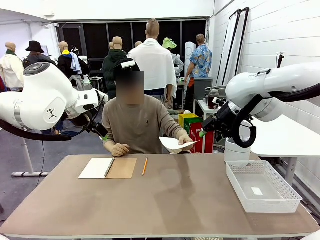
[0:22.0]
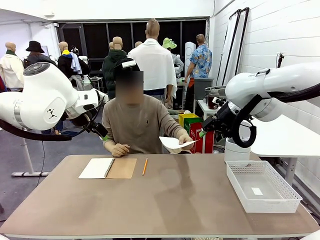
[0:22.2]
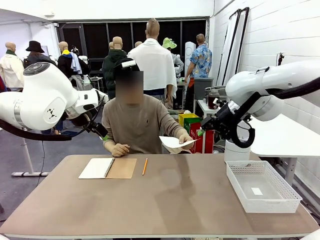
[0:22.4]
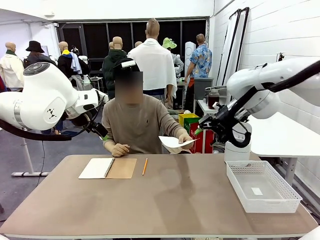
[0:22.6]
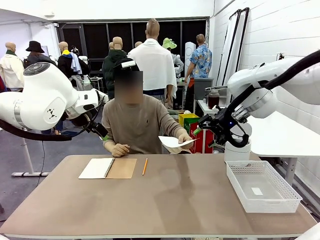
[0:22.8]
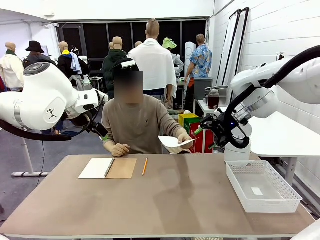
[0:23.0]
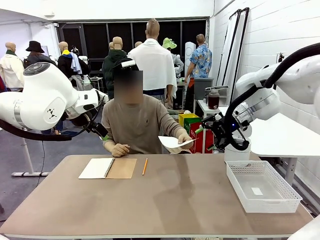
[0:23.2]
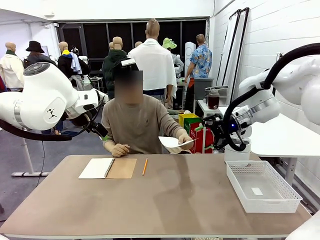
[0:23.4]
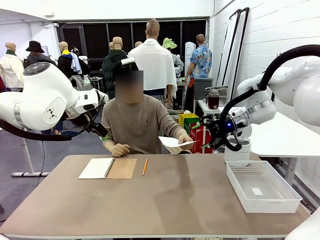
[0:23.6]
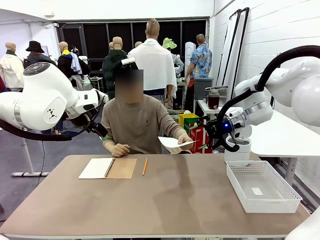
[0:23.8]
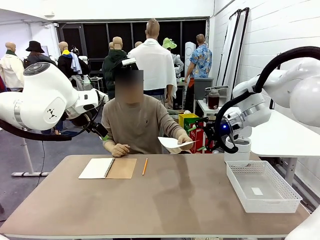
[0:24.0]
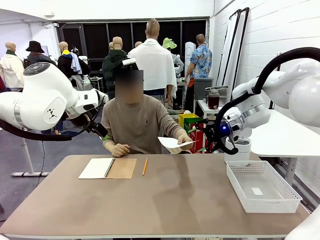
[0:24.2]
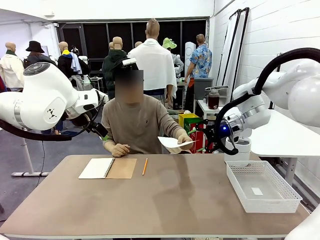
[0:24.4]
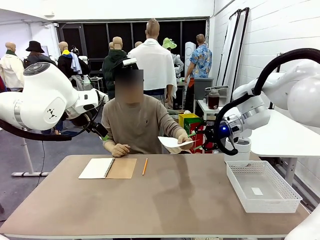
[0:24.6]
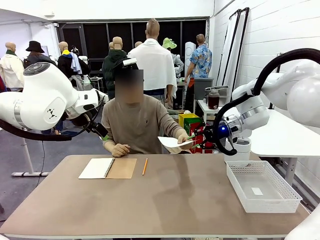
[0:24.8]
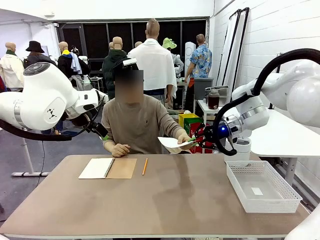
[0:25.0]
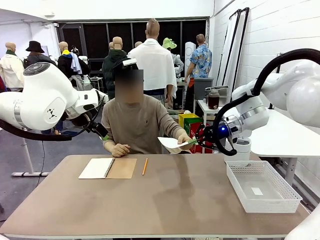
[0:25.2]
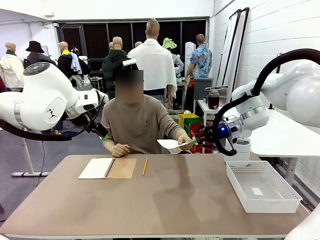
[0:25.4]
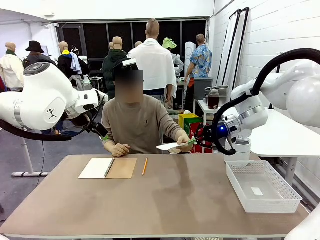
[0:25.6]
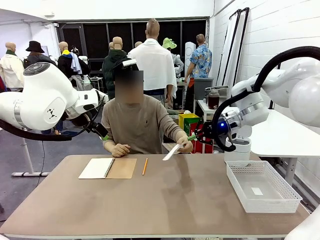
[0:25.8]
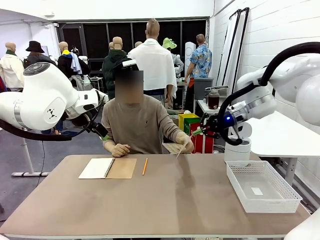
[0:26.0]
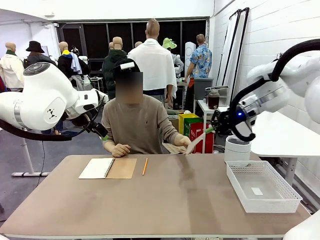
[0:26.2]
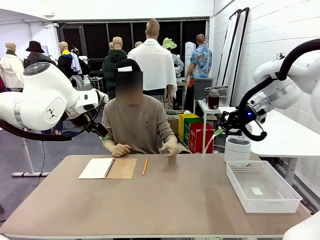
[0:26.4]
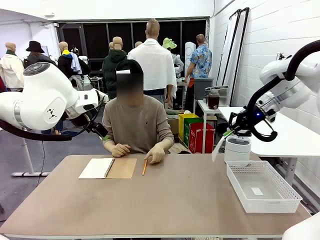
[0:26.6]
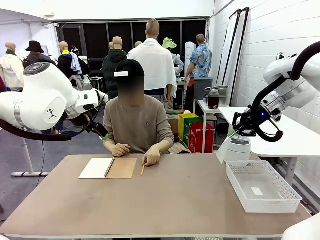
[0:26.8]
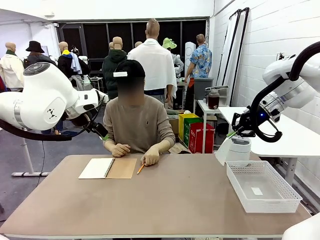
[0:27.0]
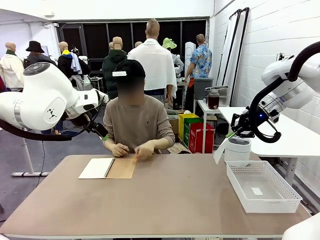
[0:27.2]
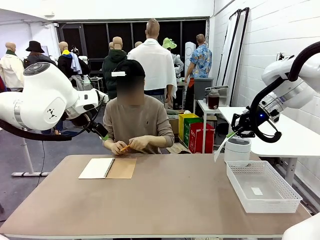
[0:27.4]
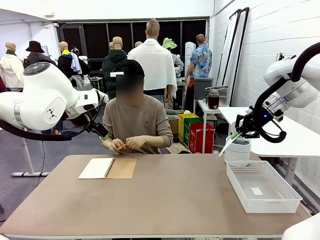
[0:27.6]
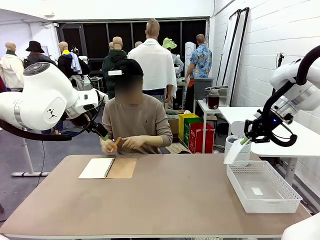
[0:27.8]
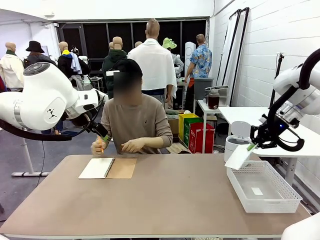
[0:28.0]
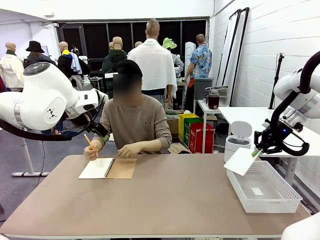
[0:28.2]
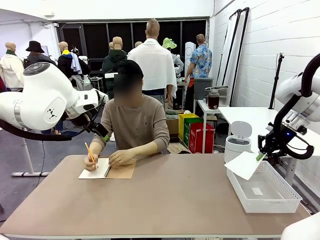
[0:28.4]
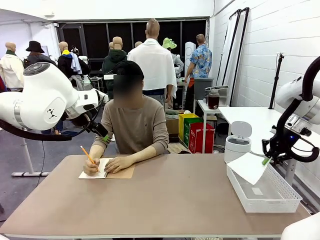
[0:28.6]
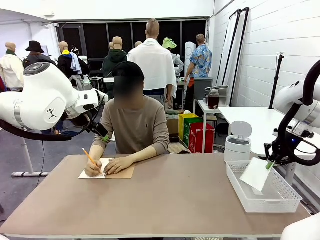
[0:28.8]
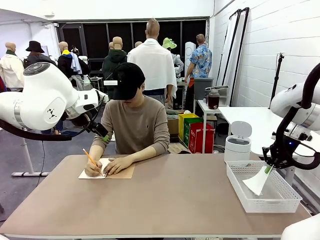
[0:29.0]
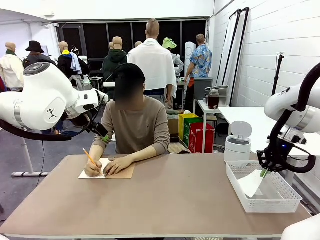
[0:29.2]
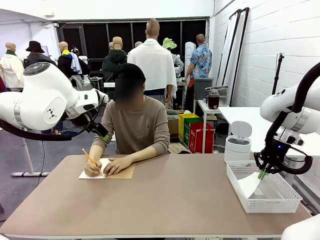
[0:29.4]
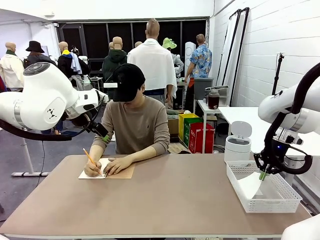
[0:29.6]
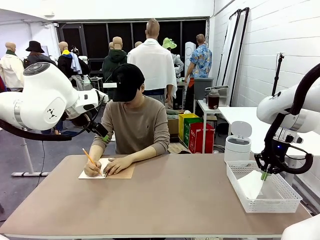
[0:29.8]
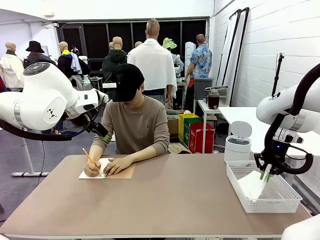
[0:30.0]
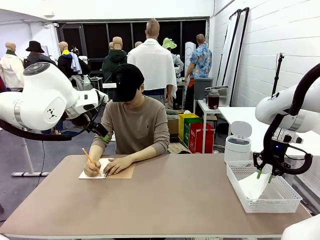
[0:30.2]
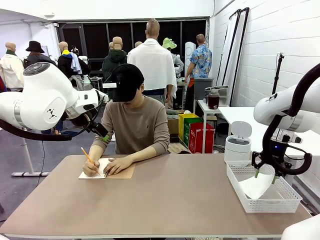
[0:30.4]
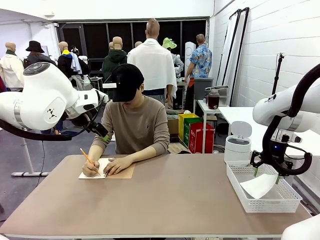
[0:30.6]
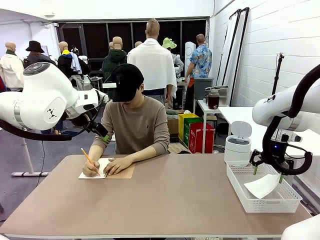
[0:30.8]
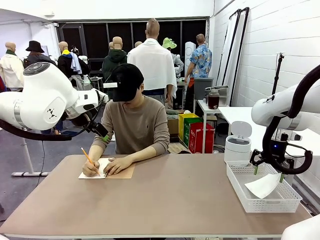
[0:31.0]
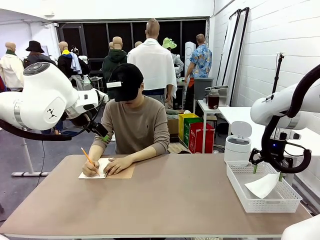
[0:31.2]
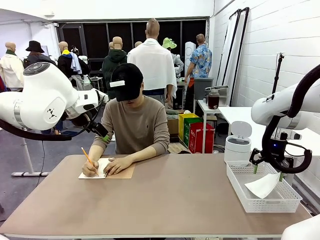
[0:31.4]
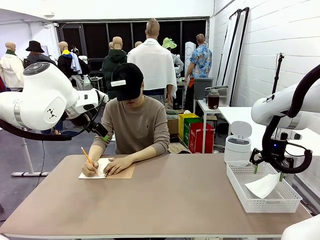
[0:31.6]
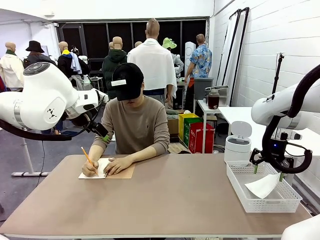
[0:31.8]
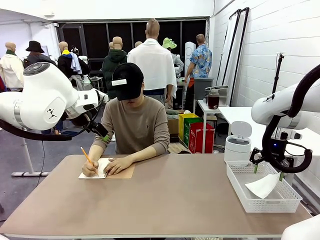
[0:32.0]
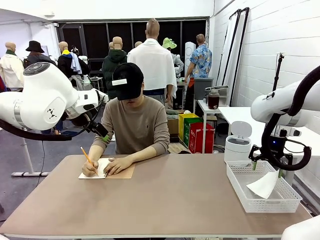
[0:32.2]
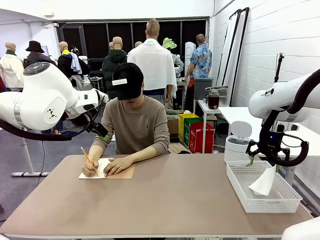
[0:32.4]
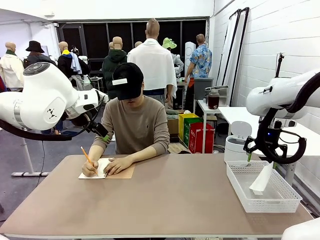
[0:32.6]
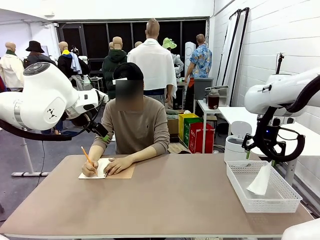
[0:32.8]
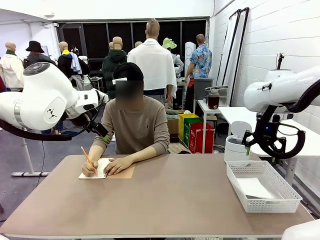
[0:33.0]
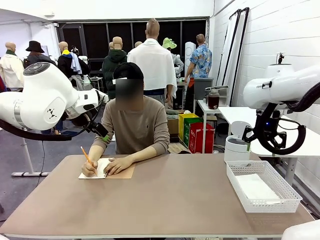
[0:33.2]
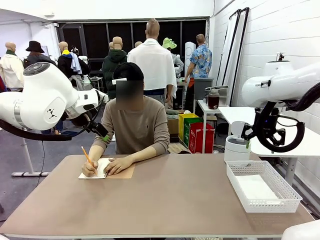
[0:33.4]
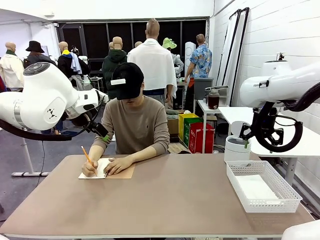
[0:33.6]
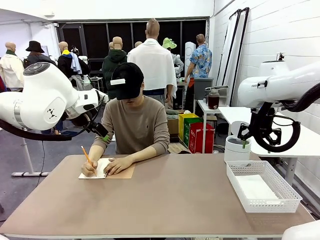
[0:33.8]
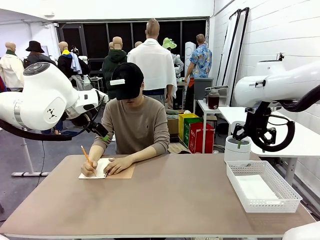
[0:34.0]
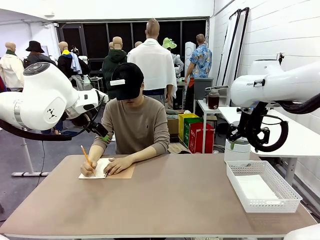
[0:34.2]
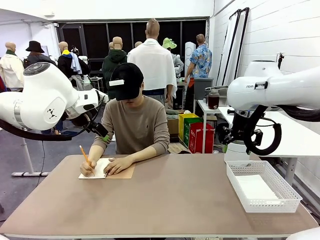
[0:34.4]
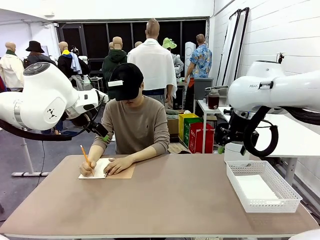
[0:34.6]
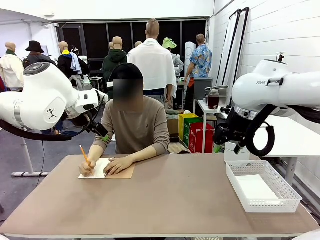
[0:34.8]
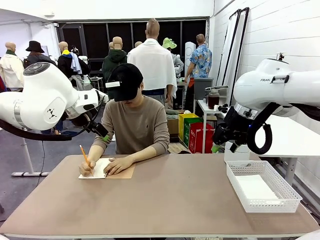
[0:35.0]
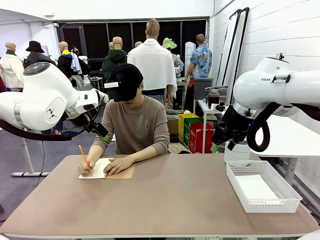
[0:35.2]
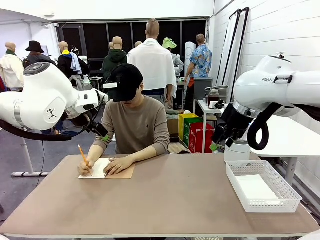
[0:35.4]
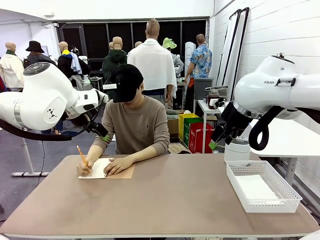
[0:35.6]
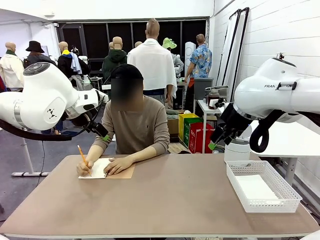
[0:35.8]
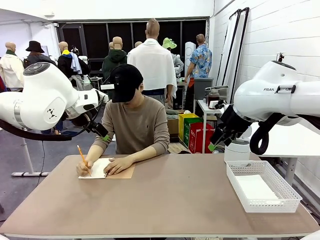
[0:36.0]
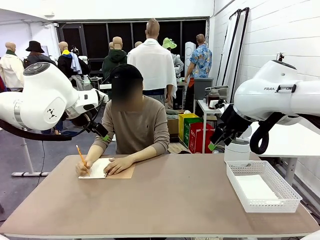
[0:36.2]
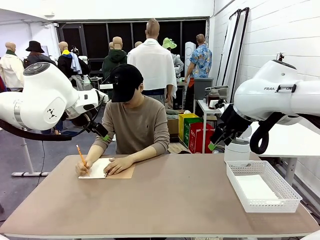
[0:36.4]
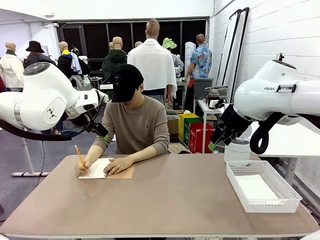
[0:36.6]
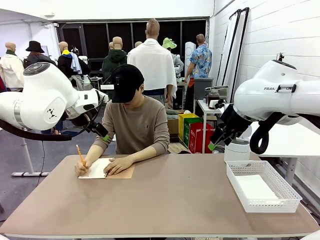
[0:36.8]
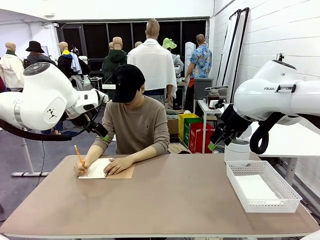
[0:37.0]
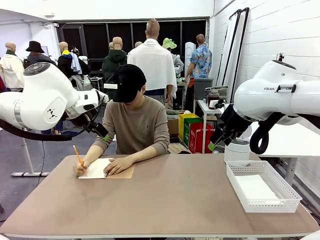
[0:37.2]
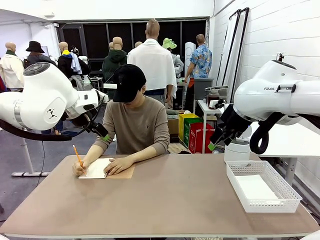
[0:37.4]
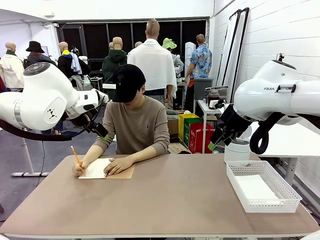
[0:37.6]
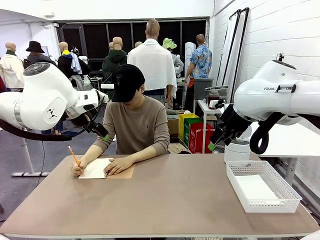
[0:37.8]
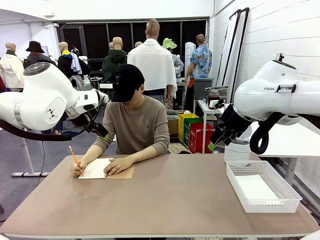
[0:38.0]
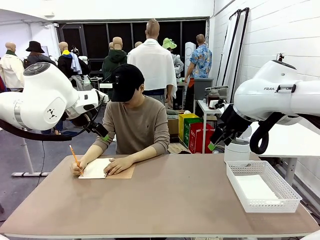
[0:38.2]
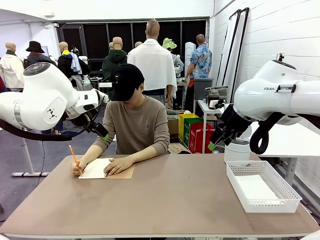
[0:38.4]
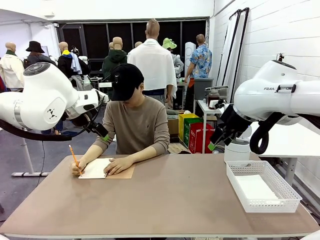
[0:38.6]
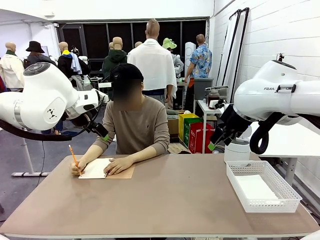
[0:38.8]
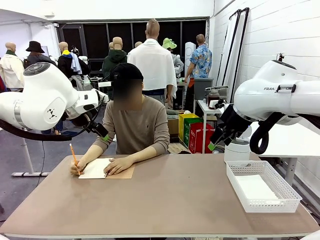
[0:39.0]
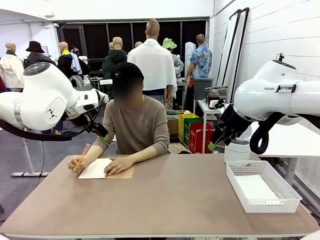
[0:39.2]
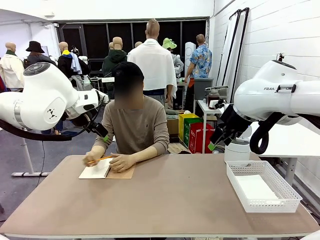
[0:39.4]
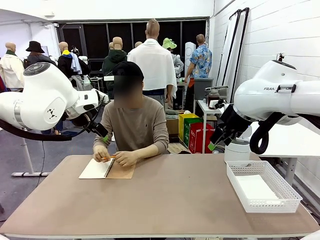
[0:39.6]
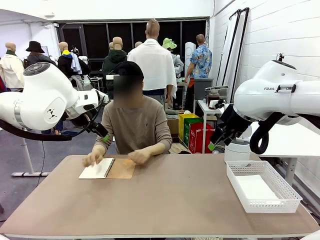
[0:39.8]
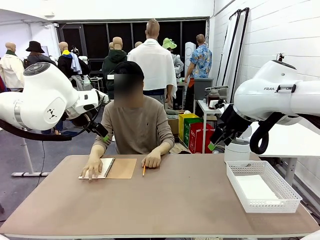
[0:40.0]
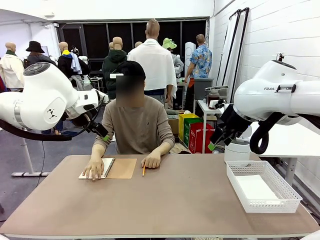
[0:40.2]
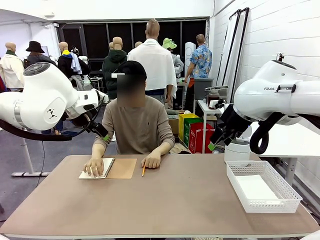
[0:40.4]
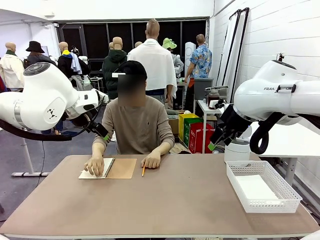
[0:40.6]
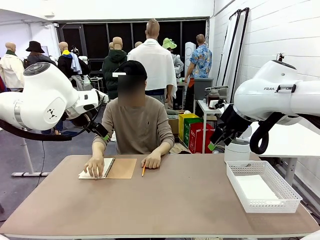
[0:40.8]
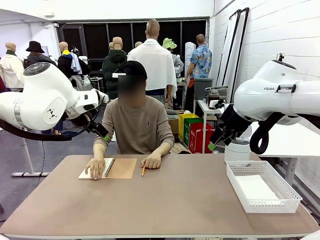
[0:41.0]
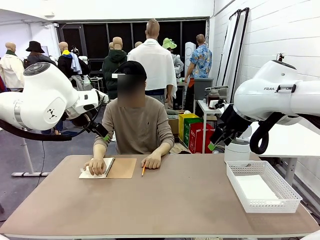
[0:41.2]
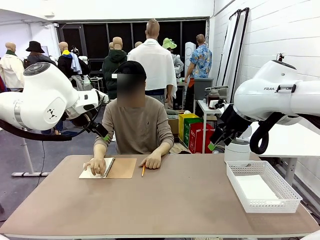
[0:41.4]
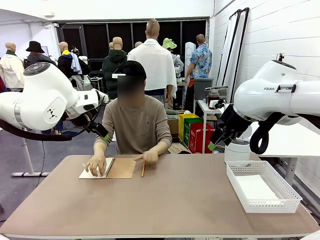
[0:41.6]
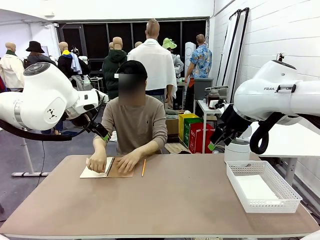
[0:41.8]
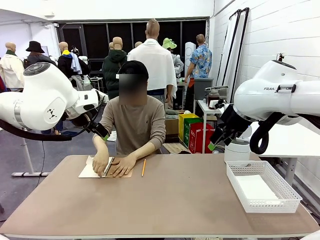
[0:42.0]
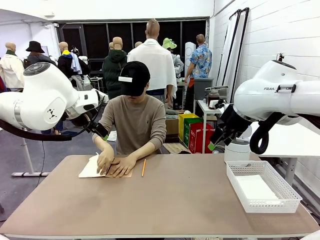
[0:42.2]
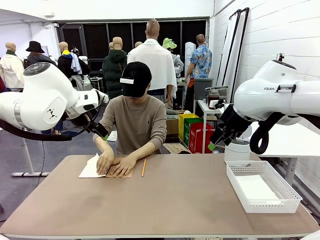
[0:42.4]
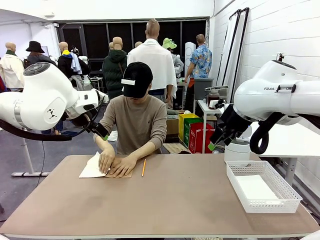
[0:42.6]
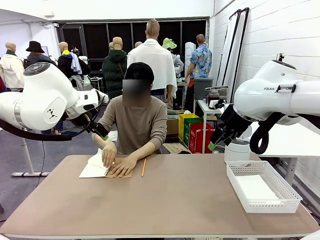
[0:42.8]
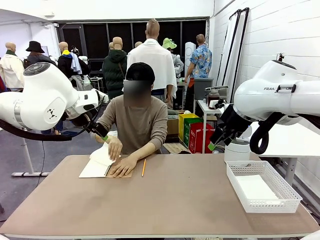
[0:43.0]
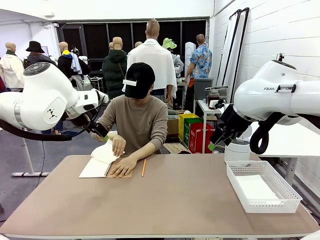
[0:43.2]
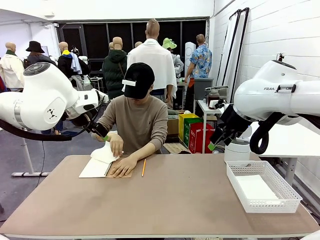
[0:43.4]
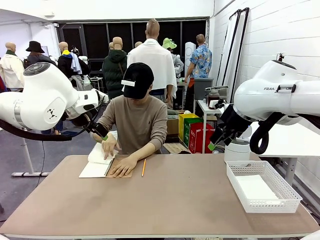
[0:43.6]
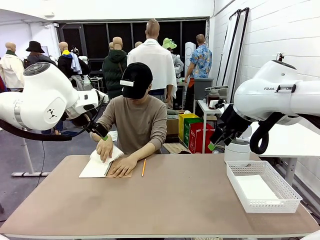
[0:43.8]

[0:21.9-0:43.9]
Task: Sort the paper based on its condition.
Robot: If a person hands you a paper, place it in the Organizing basket , and if it's crumpled, put it in the Trash can.
Person: Tear out a page from the spiral notebook.
